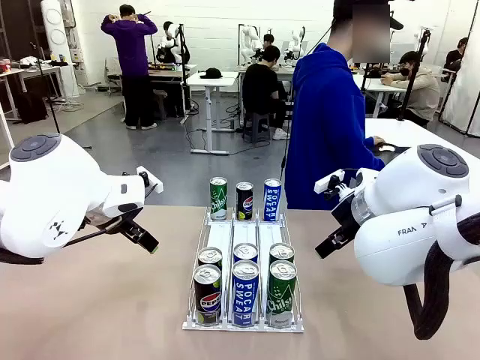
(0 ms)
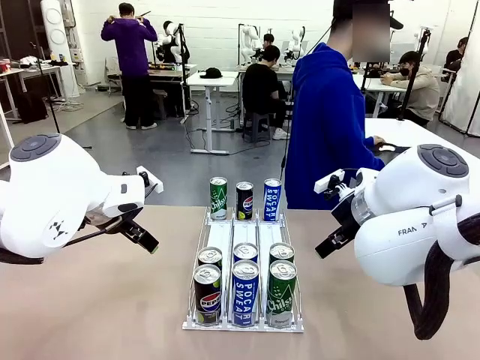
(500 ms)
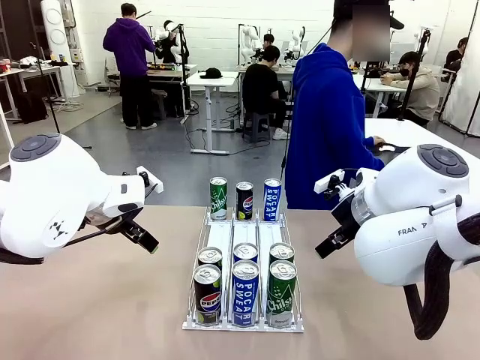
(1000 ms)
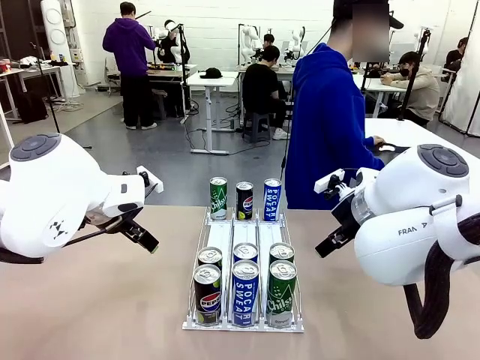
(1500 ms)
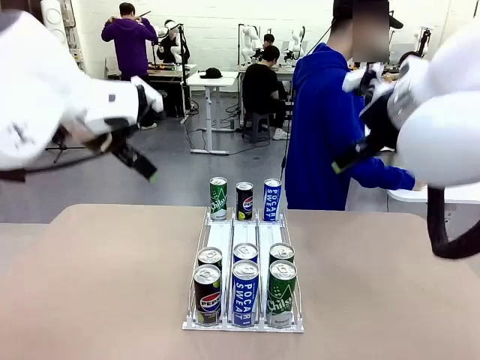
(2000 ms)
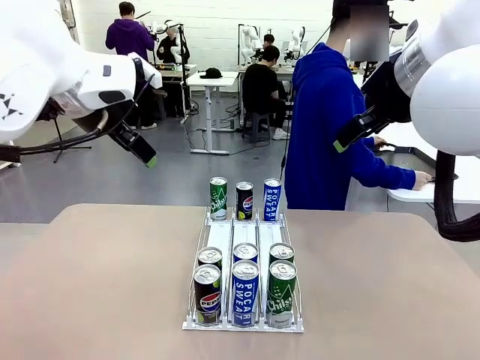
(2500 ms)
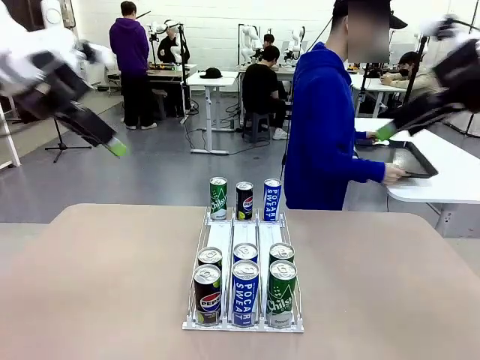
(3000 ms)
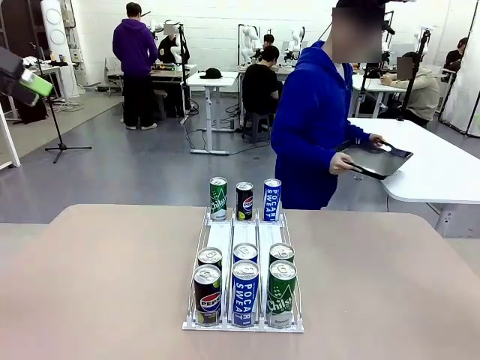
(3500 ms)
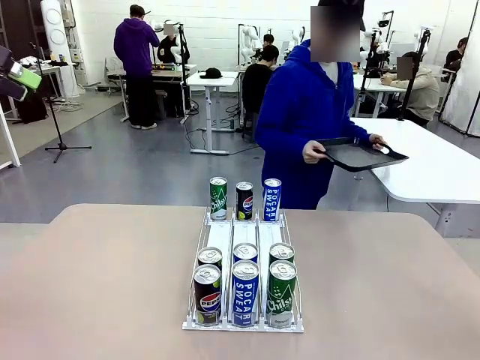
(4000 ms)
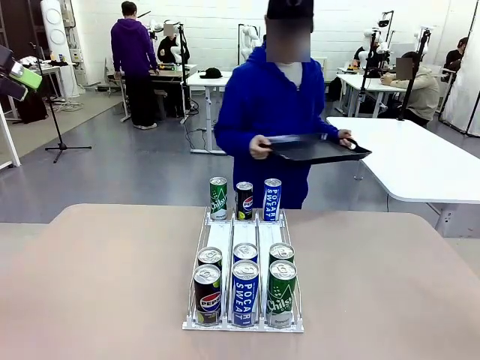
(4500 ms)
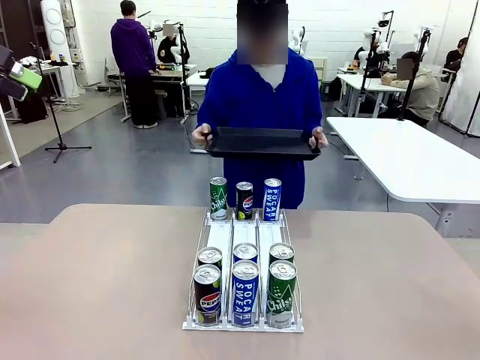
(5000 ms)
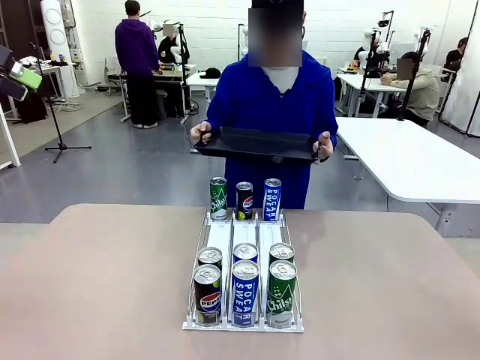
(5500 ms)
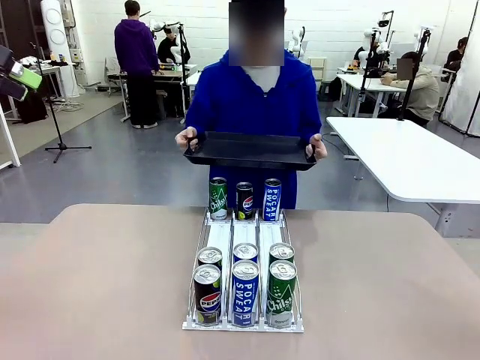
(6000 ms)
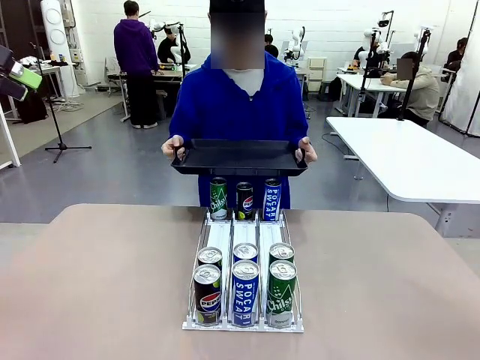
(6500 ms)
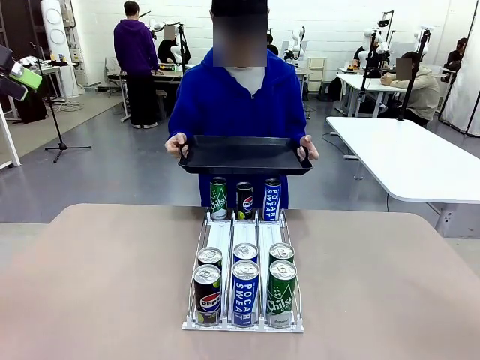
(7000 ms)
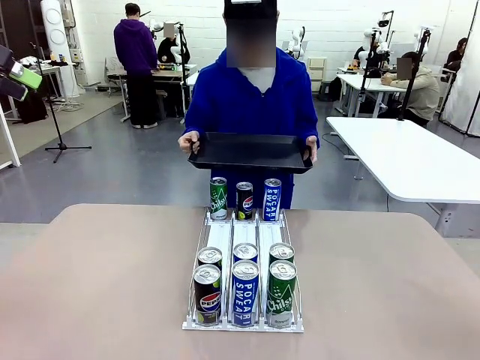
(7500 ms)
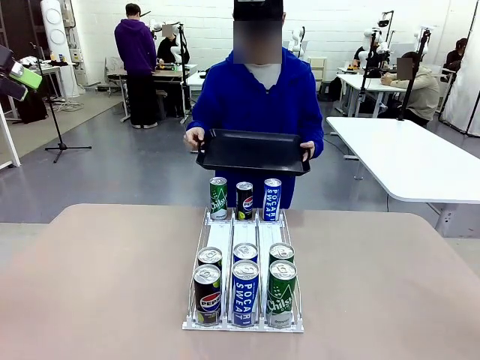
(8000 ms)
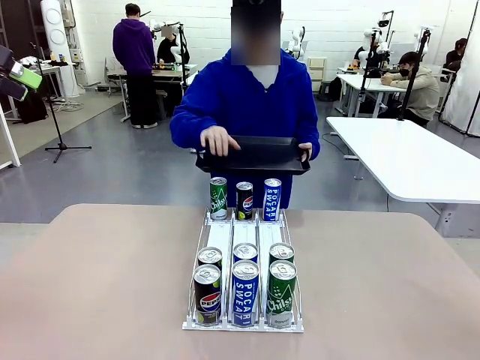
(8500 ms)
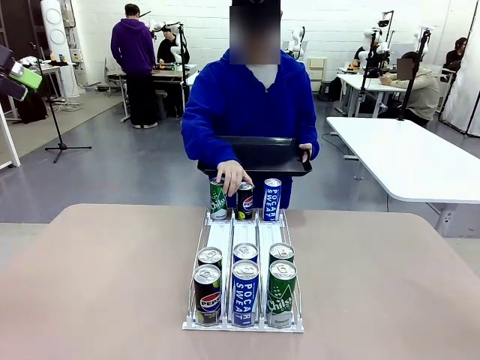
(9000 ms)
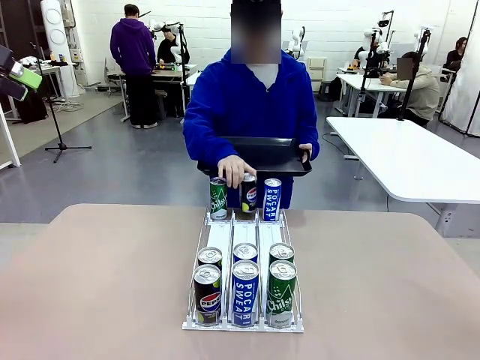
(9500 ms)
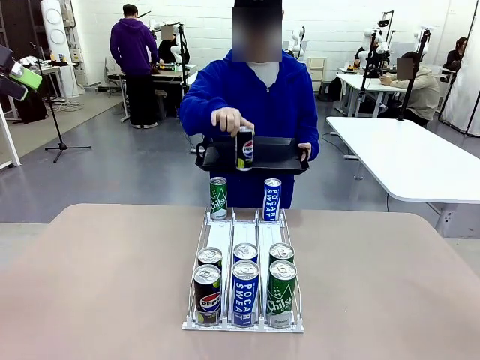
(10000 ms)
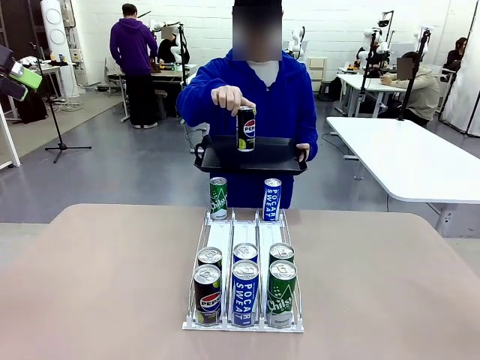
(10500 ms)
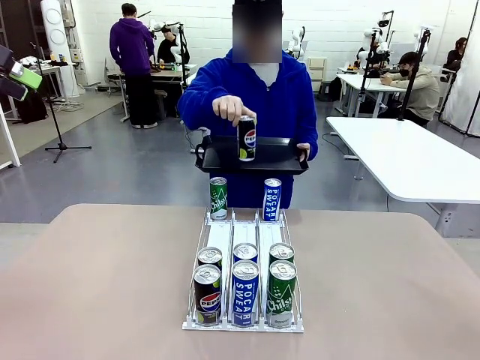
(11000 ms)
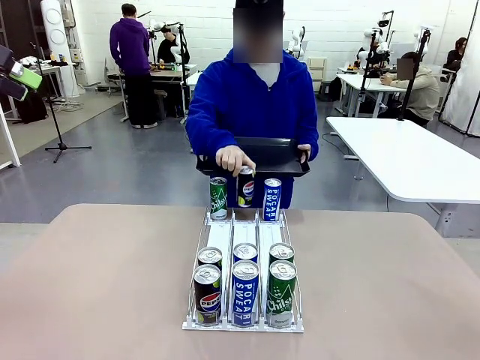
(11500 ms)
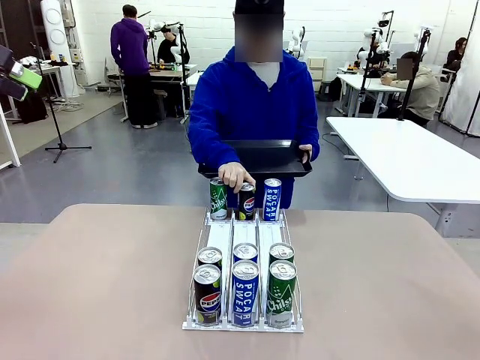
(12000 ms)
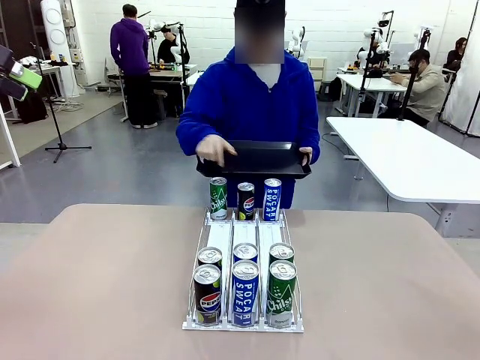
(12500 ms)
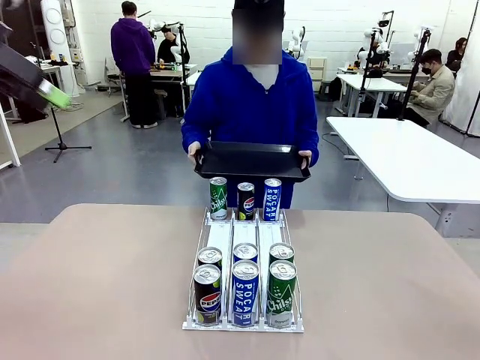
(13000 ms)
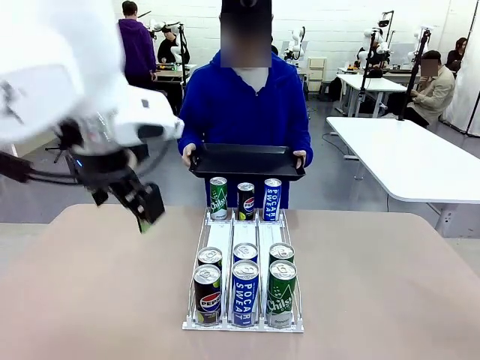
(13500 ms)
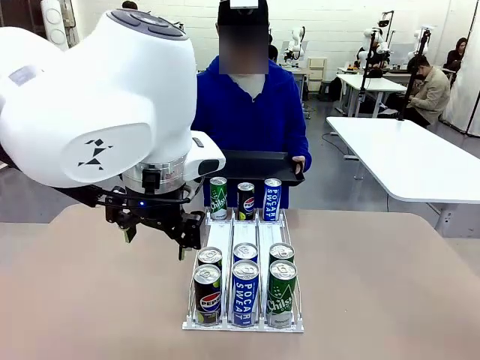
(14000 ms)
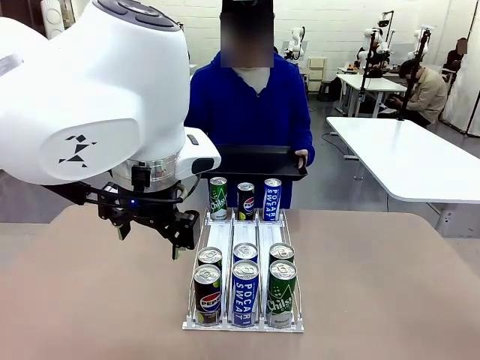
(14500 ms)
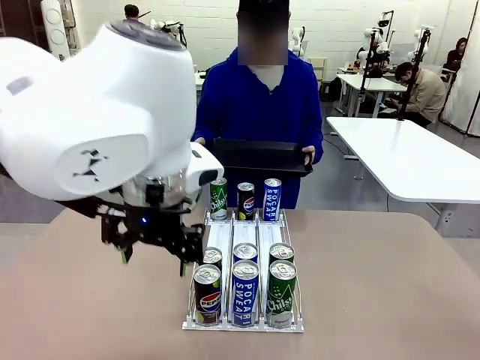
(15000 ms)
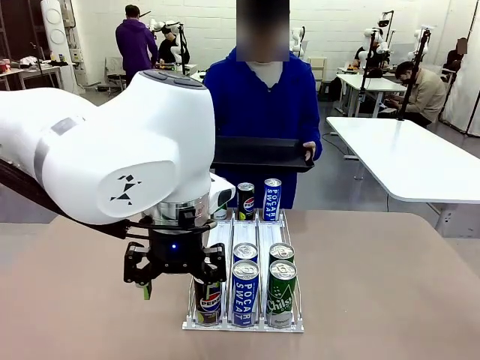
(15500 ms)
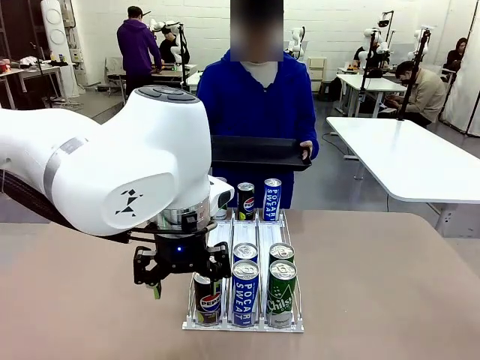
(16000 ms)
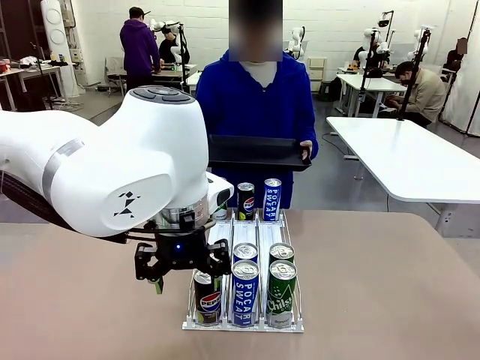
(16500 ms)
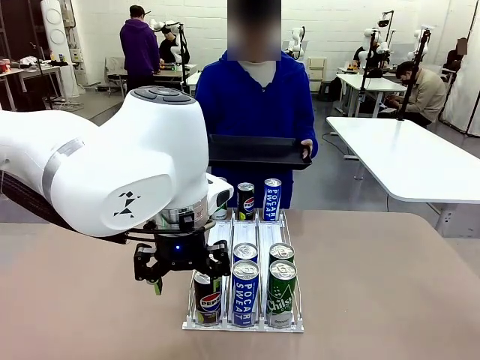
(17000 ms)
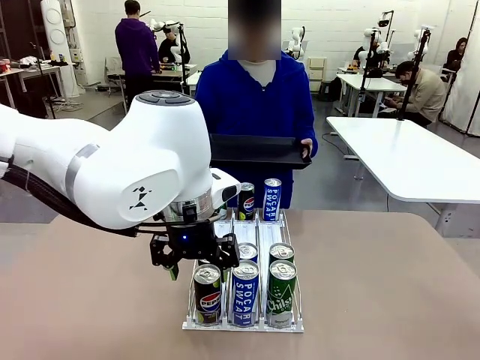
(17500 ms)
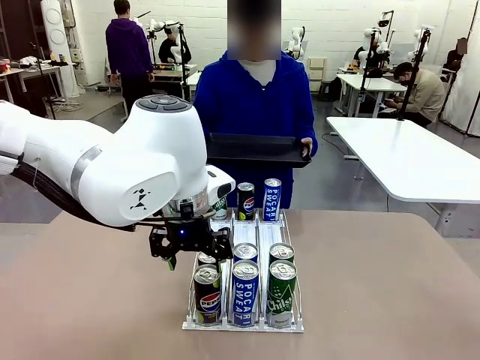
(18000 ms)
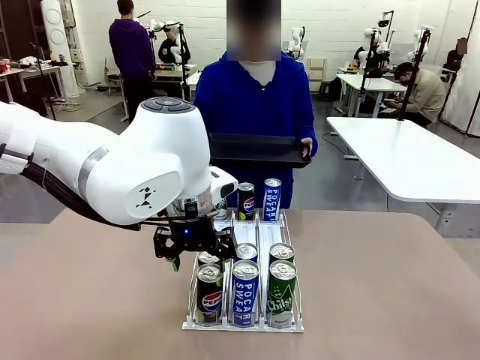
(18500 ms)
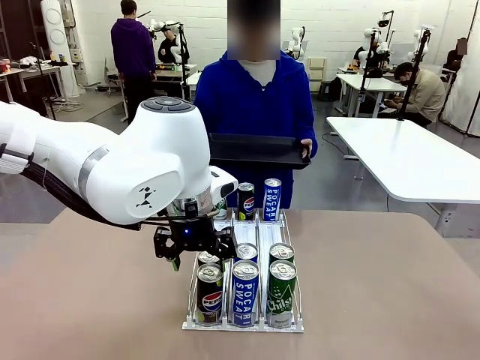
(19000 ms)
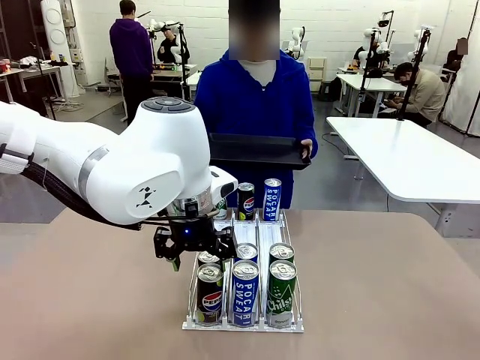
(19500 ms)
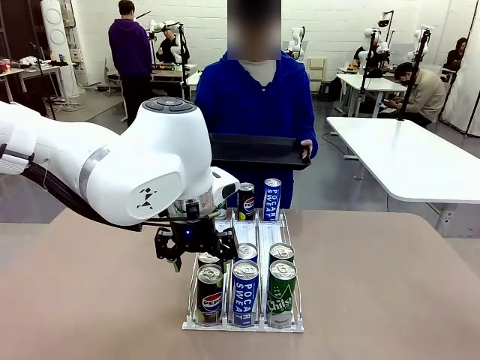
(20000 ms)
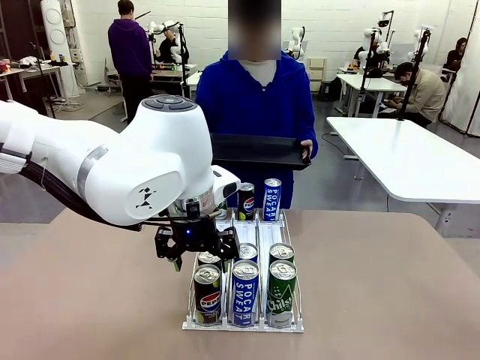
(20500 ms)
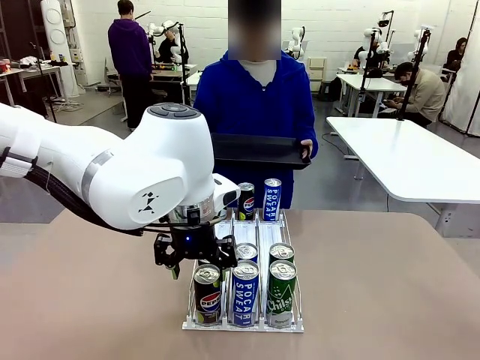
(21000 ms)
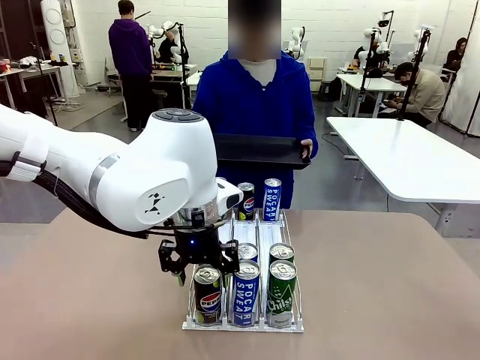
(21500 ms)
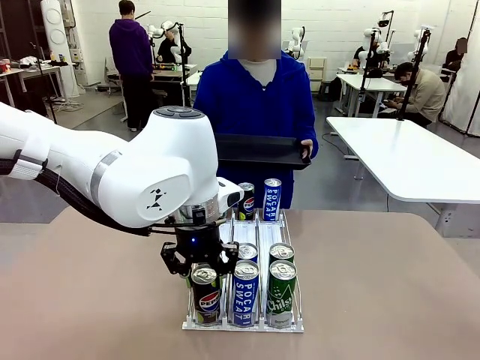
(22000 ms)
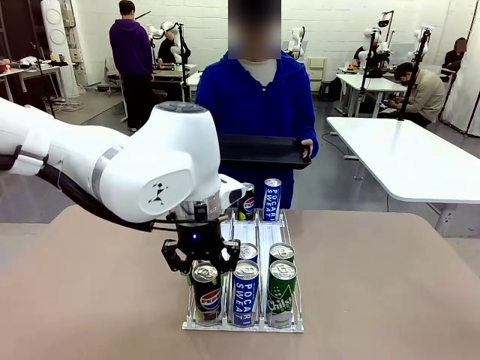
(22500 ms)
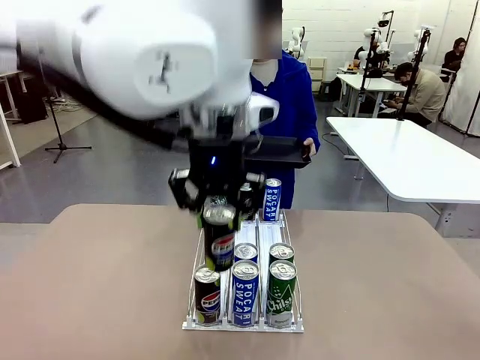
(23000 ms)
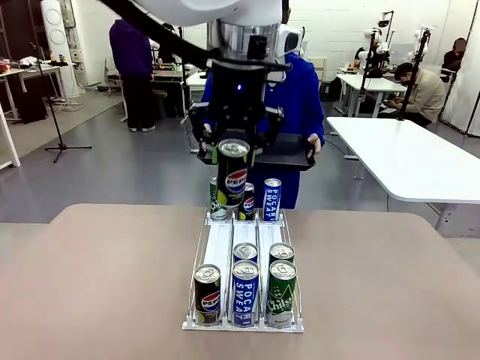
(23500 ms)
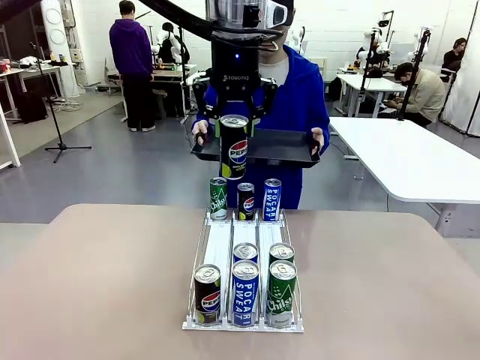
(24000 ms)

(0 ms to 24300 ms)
Task: Retrieve and hand over the desired beverage to the person.
Robot: Pick up a can of the same type that the person held from the Automatic Can Dispenser.
Person: Hold the tray and position yourself in front of the robot table. Pick up one can from the bottom area of the table and puts it back in its original place. Push the tray toward the robot.

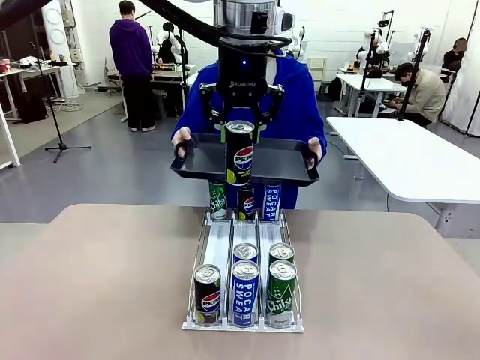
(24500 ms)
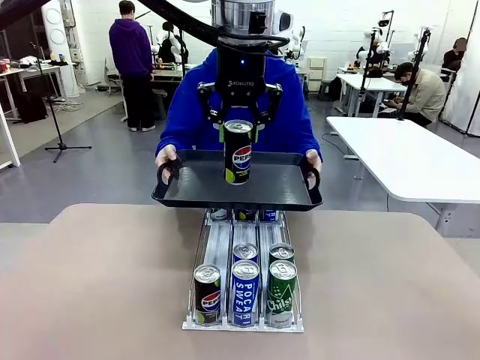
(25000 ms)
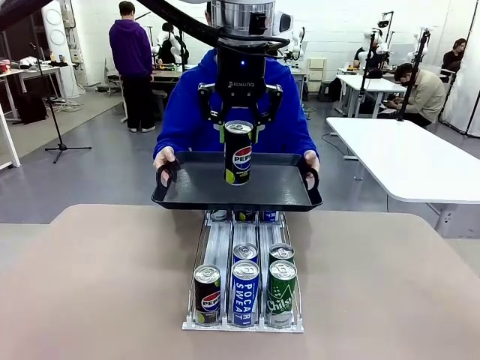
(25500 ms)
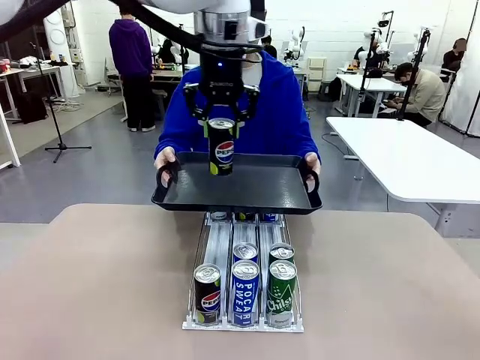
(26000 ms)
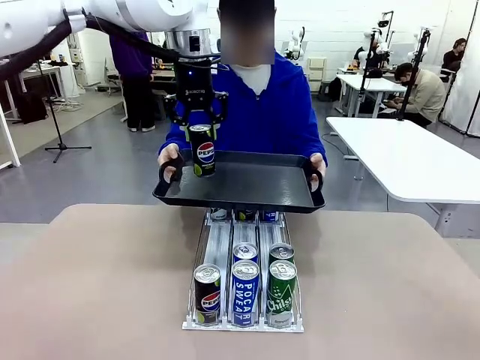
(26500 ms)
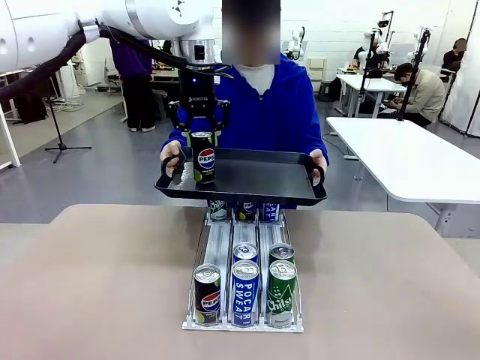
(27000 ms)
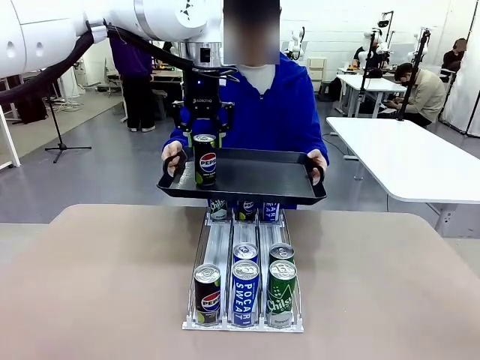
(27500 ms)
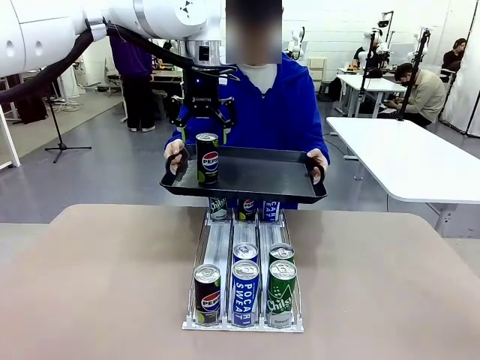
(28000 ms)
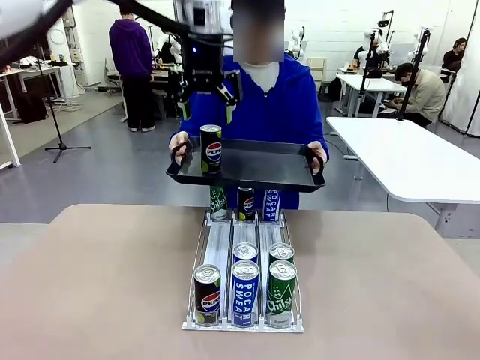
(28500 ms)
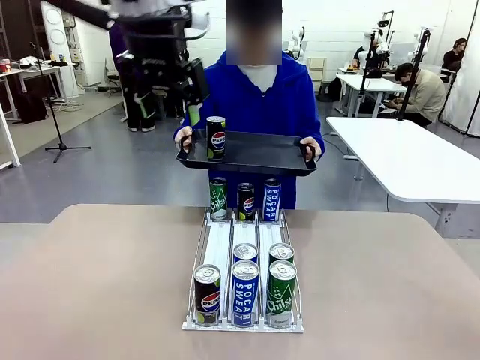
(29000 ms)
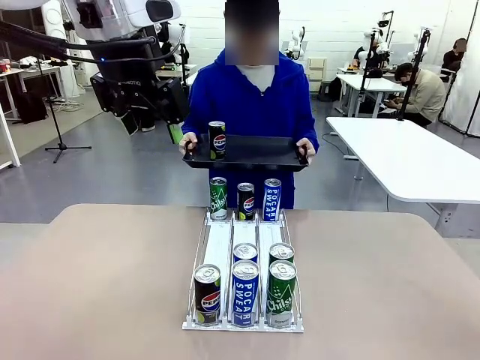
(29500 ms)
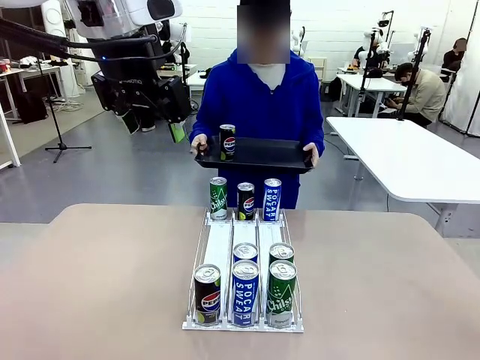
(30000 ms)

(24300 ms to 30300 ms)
Robot: Place the picked can on the Handle tray extended by the person.
